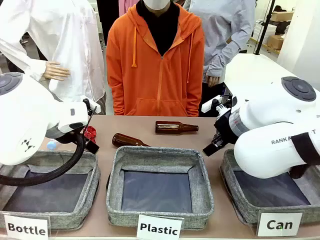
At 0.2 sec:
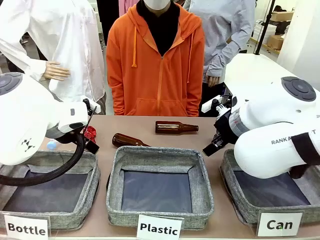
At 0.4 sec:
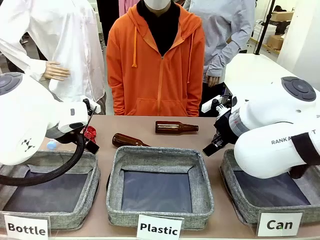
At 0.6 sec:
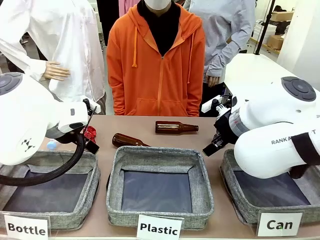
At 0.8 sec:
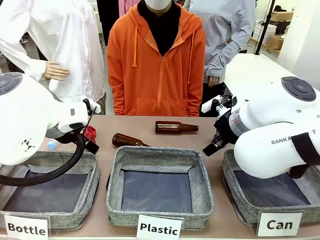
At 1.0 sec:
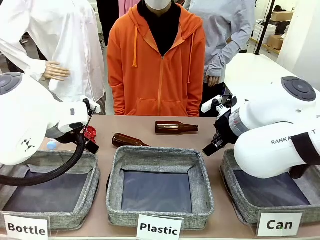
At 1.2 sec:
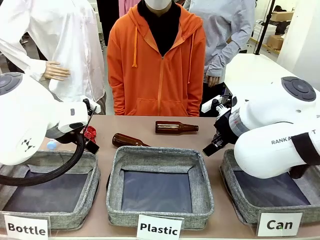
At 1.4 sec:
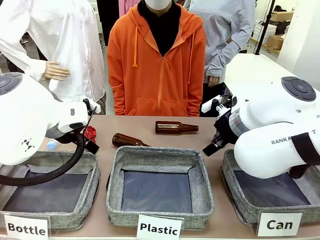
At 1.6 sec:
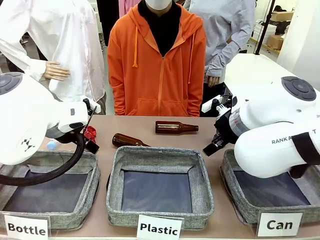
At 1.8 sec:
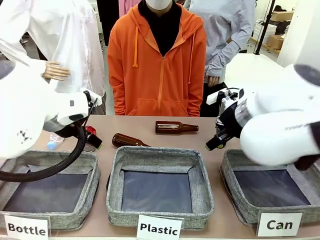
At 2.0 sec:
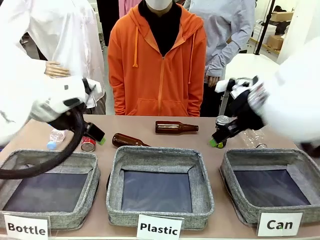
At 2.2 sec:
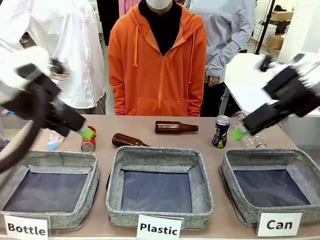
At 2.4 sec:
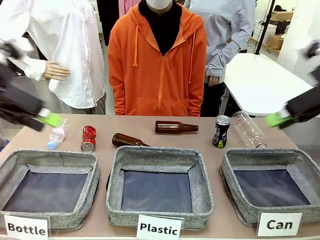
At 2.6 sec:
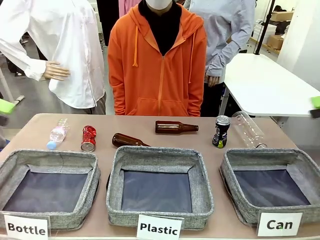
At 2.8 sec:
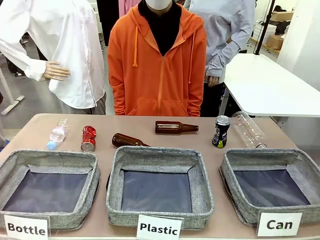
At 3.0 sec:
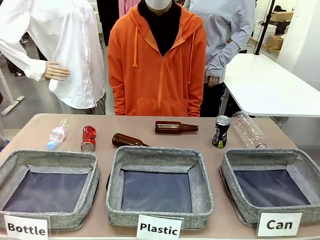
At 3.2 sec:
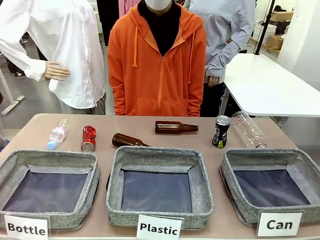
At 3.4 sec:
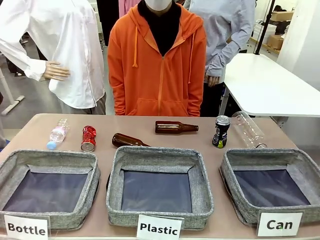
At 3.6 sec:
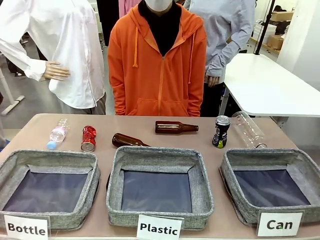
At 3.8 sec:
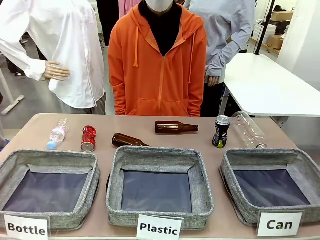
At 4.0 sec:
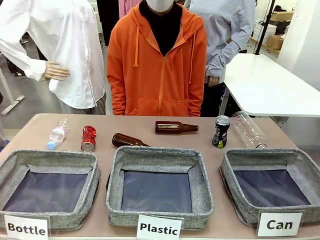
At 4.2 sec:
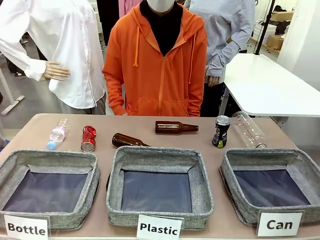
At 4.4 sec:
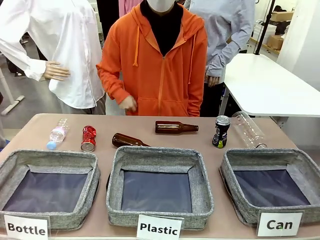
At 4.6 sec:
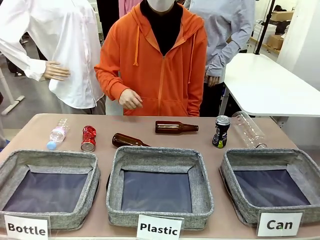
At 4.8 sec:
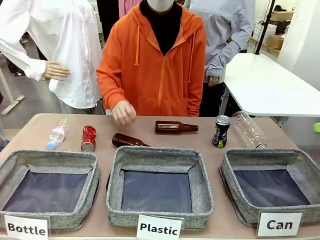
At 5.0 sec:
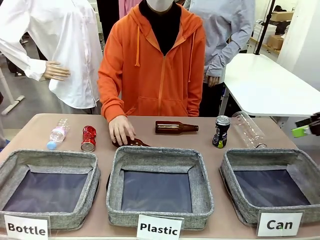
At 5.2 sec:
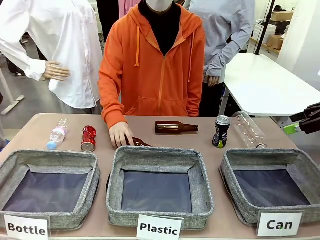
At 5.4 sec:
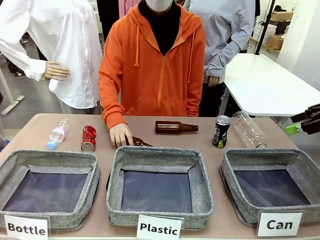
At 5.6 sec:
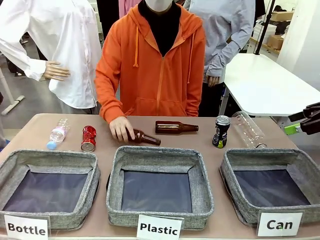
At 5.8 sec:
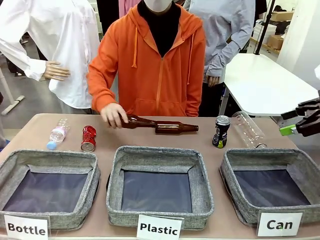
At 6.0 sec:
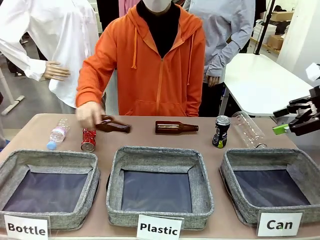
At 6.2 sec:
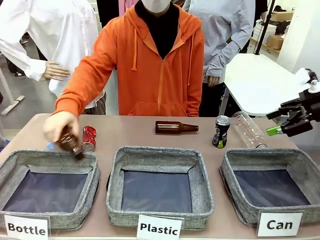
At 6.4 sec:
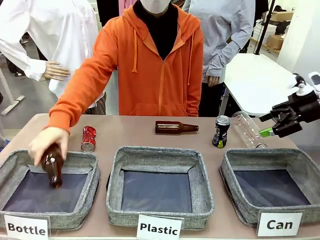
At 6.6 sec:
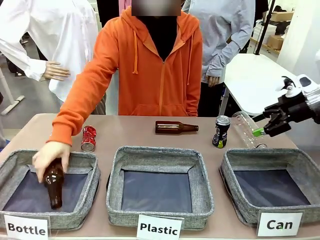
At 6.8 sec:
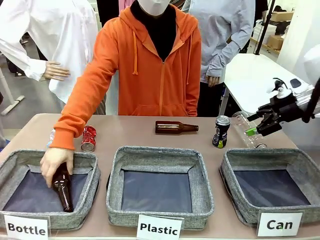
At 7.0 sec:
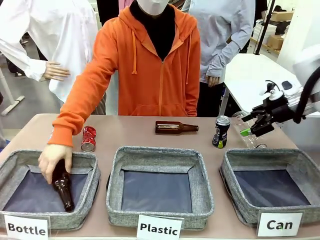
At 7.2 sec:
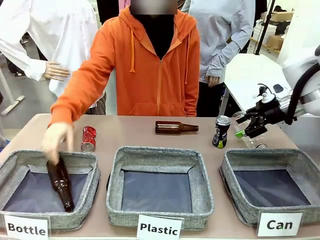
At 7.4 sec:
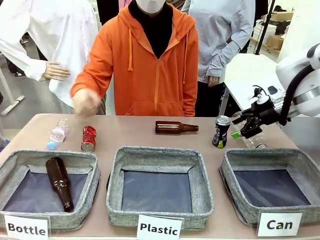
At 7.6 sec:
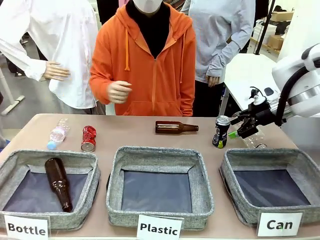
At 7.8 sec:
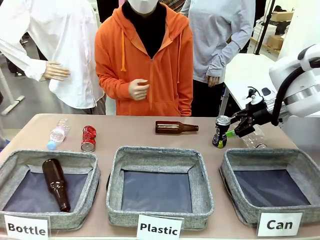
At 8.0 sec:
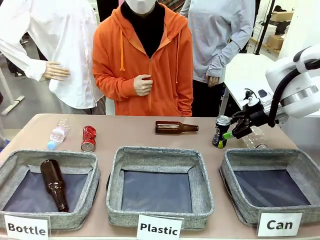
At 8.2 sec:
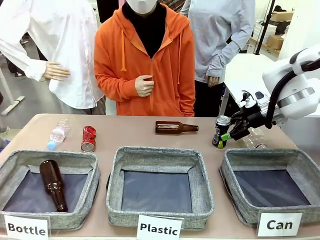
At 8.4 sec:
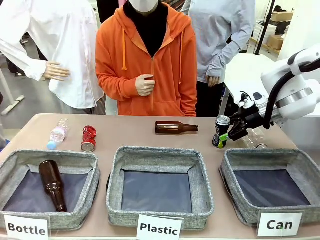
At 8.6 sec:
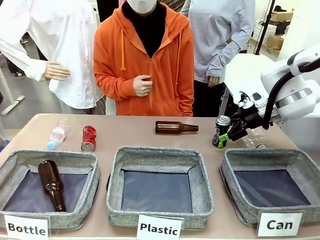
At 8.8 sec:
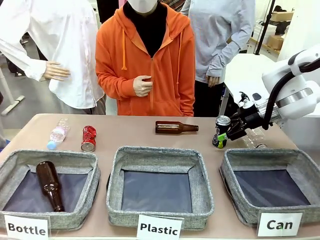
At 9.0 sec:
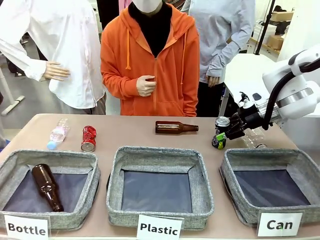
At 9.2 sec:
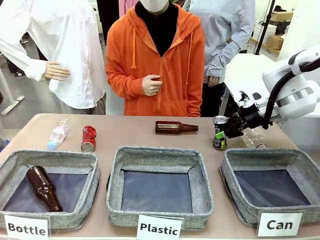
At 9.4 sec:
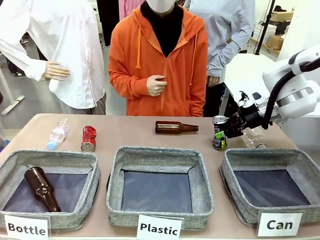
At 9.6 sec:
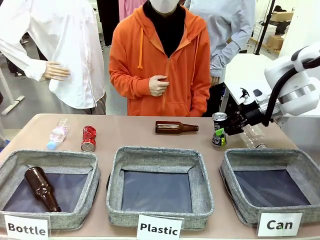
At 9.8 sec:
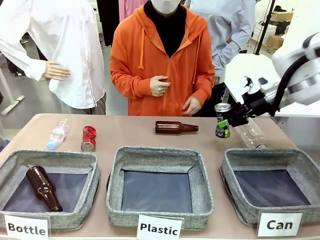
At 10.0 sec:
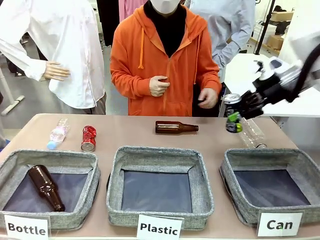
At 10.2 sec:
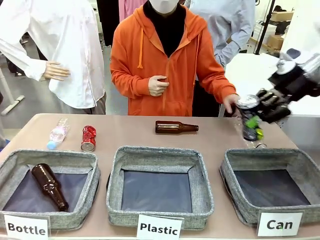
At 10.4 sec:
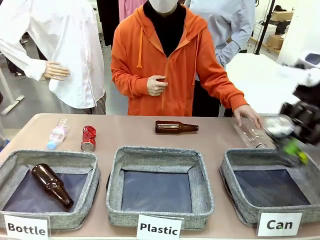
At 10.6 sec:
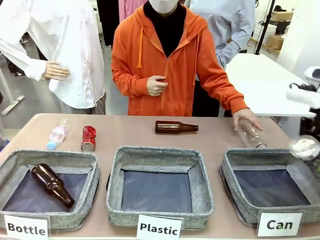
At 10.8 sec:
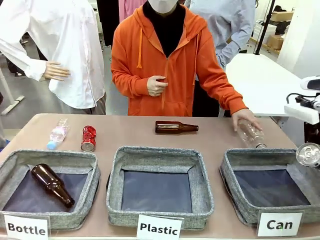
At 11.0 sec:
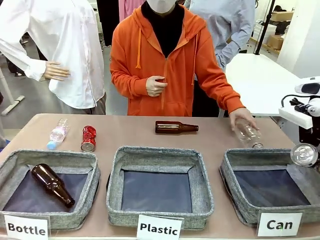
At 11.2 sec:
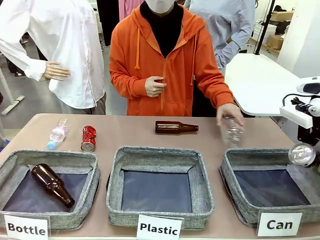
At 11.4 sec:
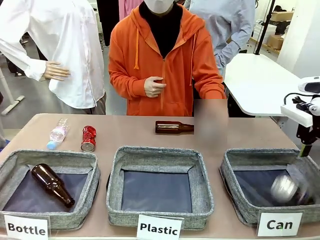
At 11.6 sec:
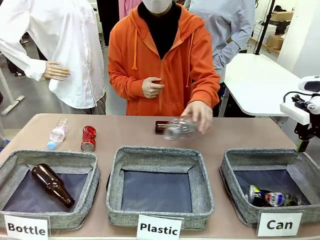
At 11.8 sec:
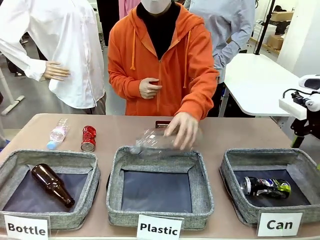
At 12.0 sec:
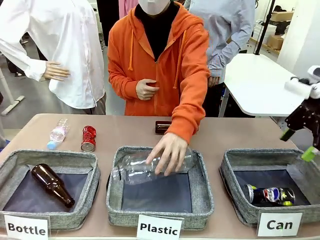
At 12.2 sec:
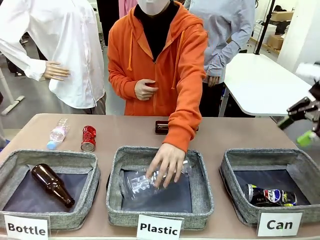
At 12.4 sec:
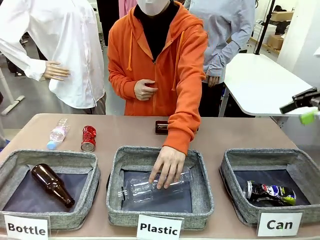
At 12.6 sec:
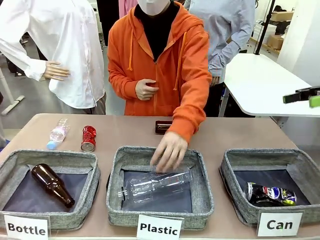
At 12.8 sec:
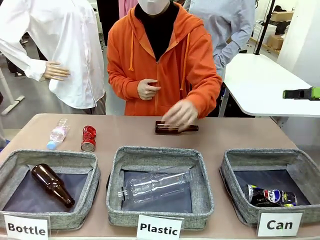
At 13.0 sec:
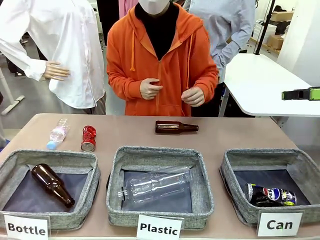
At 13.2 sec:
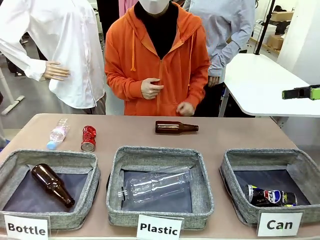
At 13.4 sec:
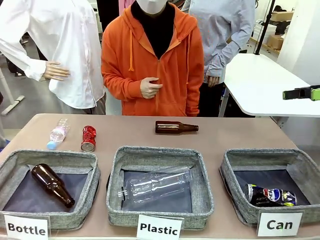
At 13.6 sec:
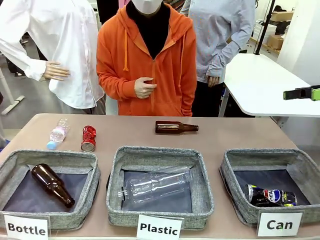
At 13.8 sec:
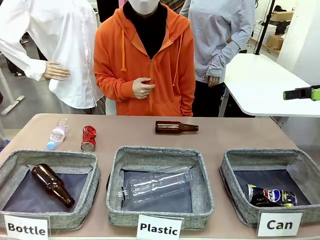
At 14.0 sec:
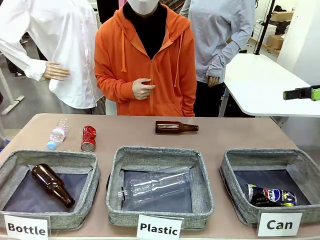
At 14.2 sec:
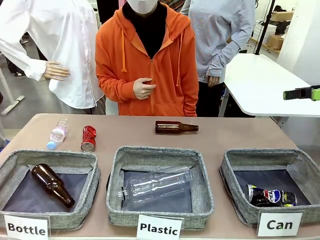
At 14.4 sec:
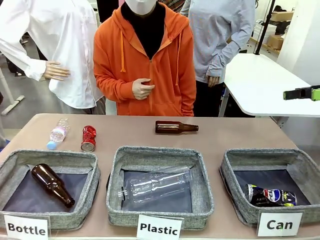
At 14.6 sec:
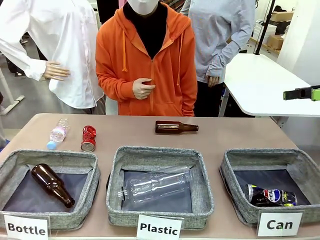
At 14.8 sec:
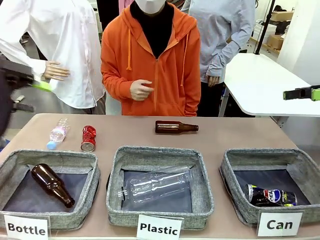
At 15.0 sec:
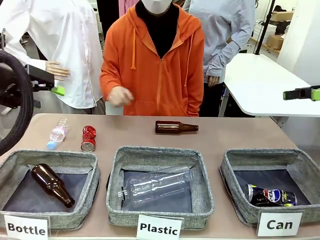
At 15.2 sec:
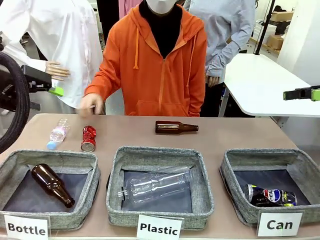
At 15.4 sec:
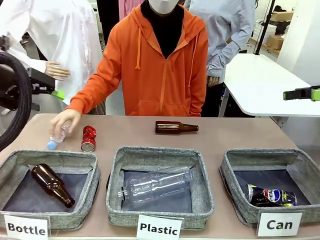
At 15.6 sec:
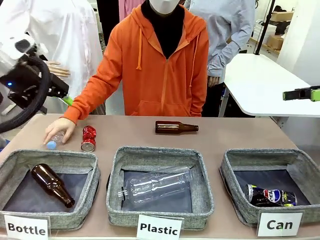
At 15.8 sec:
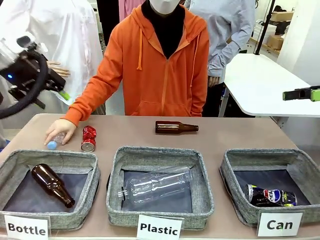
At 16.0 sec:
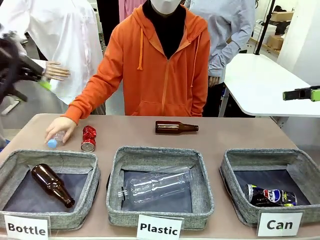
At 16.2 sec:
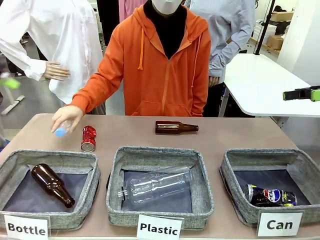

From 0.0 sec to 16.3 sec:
Task: Sort the can waste into the basket.
Robot: Pick up the can waste from the table and place it in the right Fabric basket.
